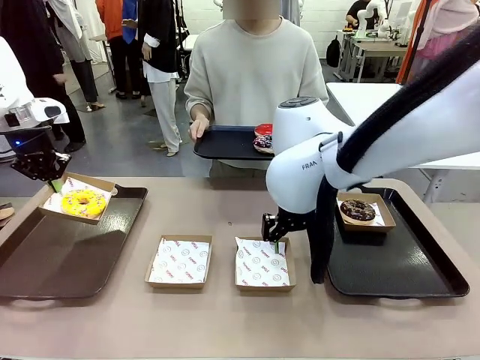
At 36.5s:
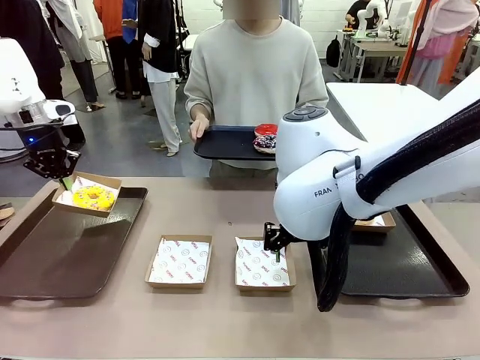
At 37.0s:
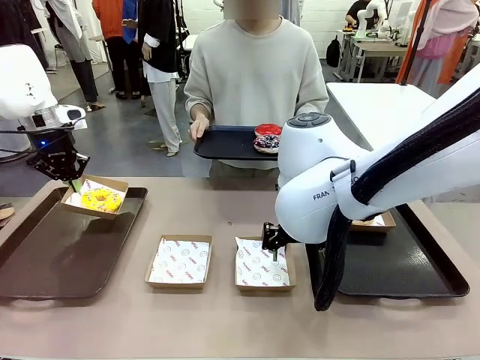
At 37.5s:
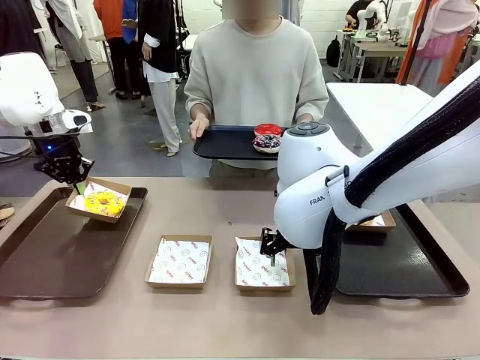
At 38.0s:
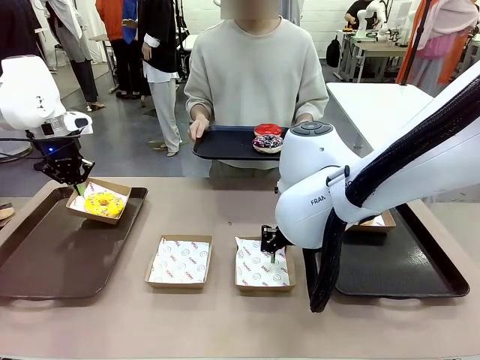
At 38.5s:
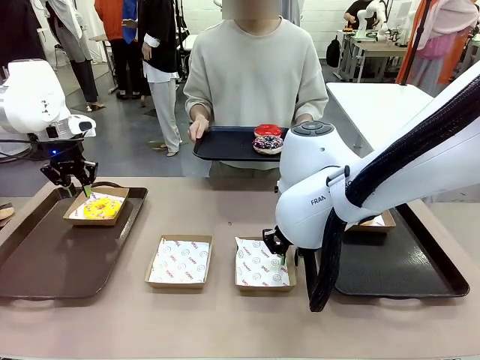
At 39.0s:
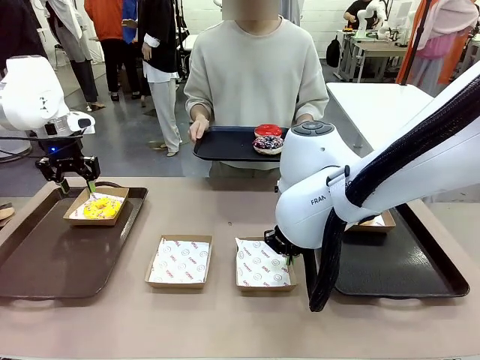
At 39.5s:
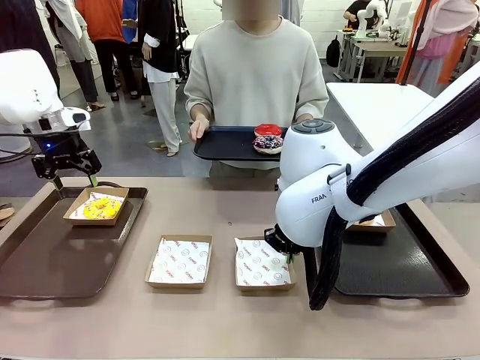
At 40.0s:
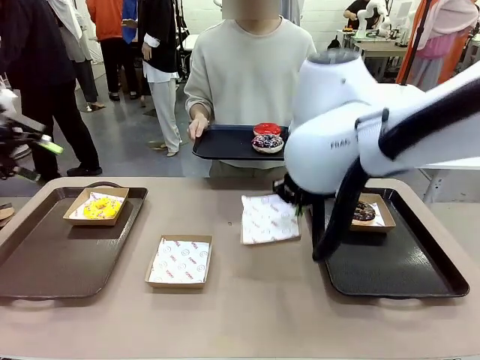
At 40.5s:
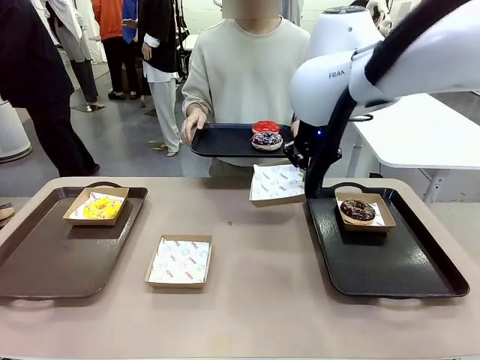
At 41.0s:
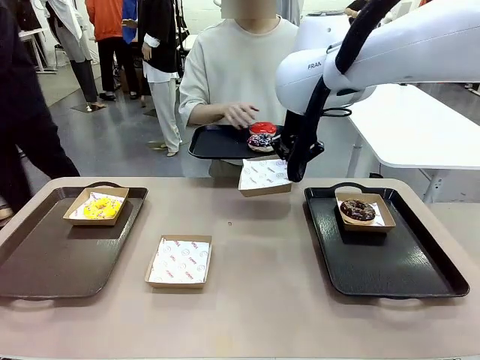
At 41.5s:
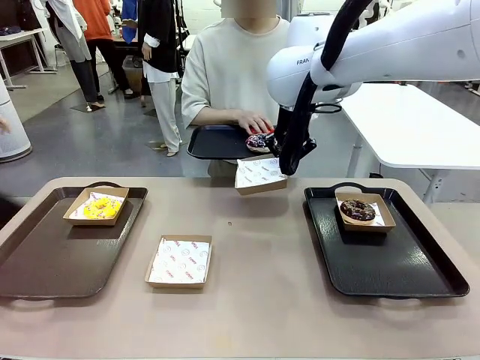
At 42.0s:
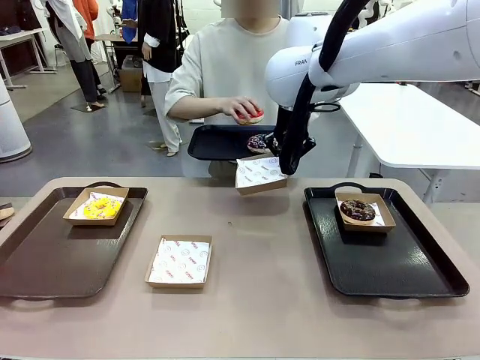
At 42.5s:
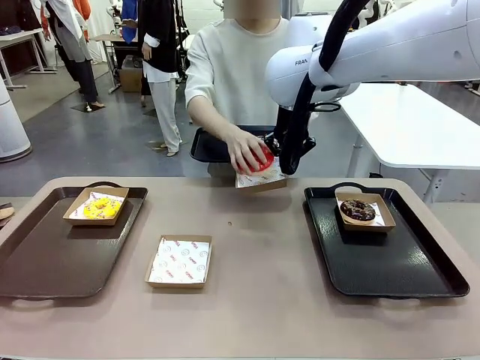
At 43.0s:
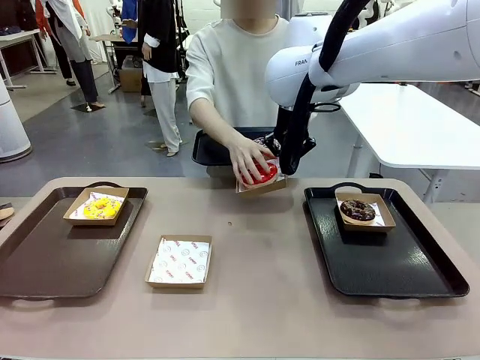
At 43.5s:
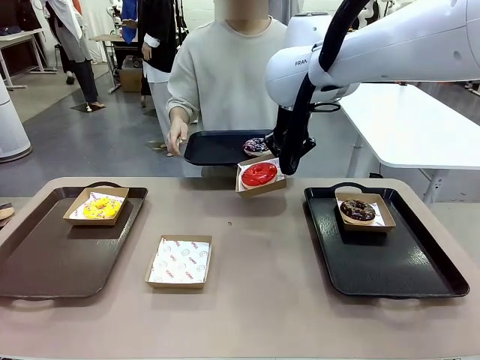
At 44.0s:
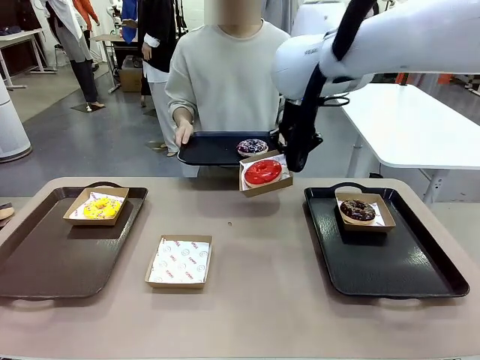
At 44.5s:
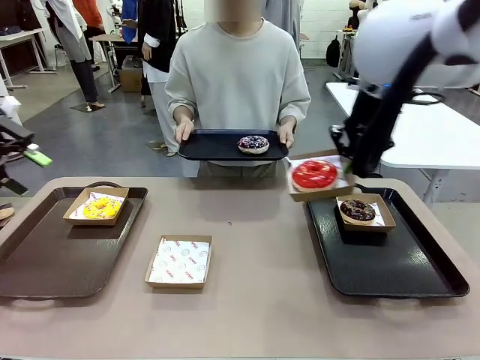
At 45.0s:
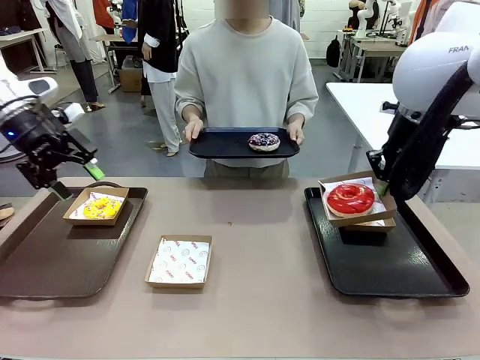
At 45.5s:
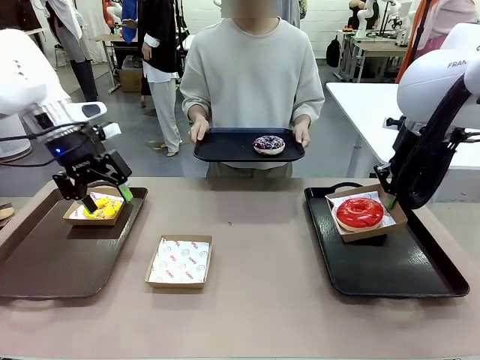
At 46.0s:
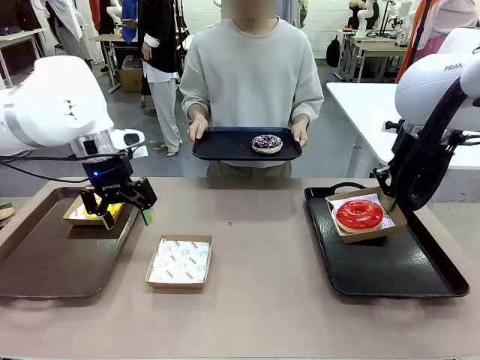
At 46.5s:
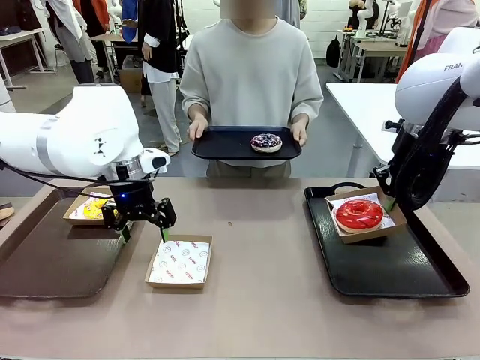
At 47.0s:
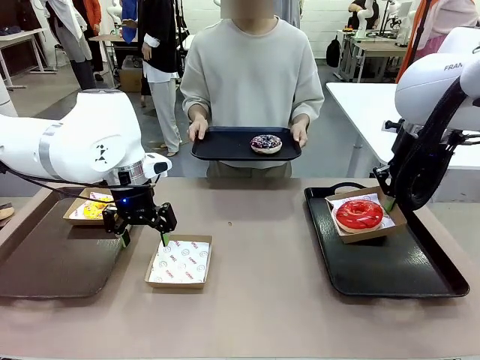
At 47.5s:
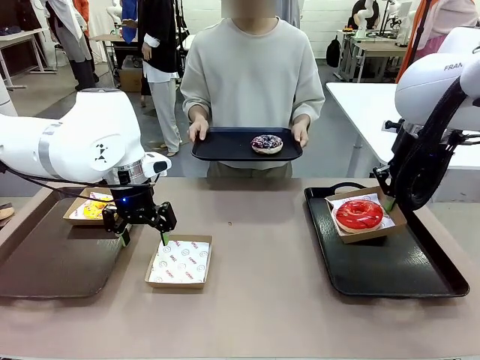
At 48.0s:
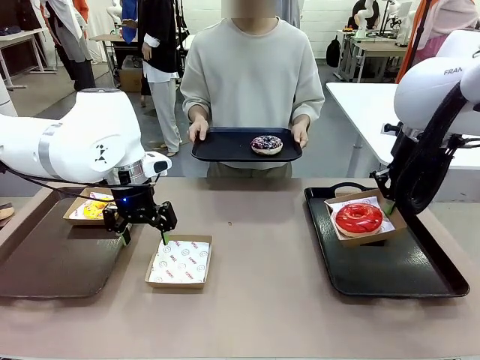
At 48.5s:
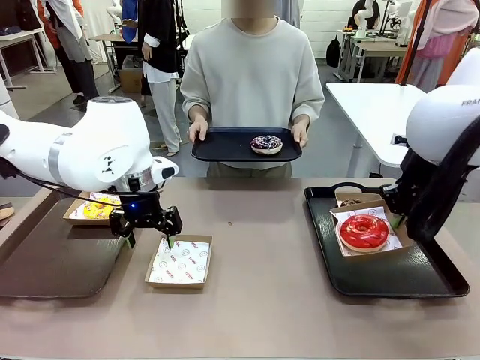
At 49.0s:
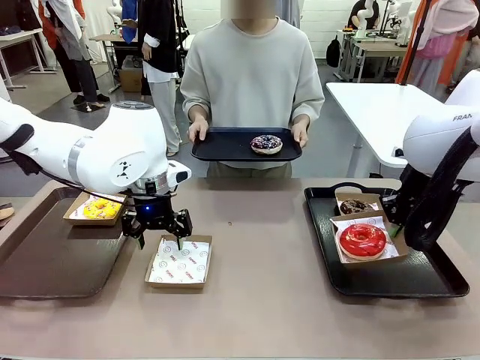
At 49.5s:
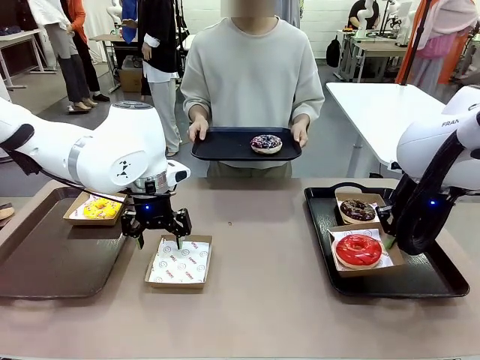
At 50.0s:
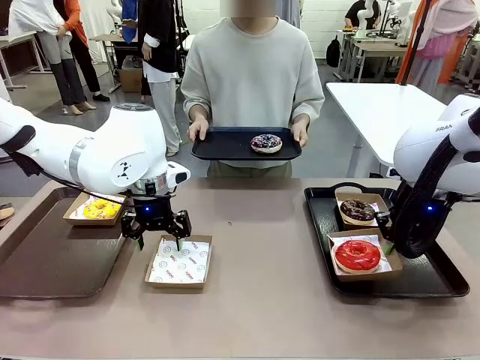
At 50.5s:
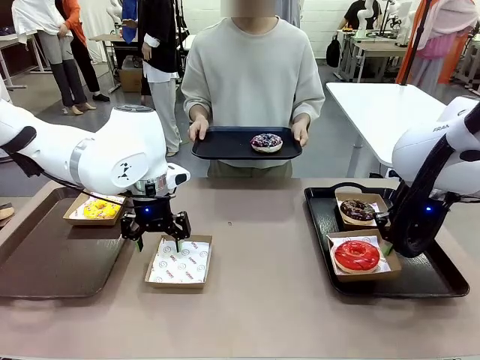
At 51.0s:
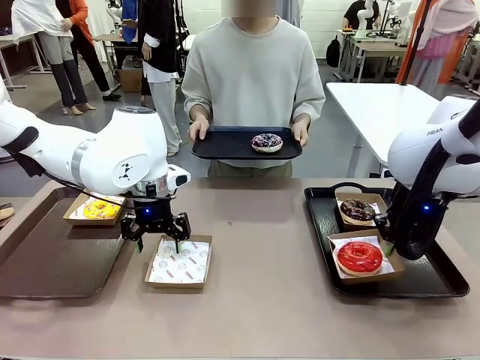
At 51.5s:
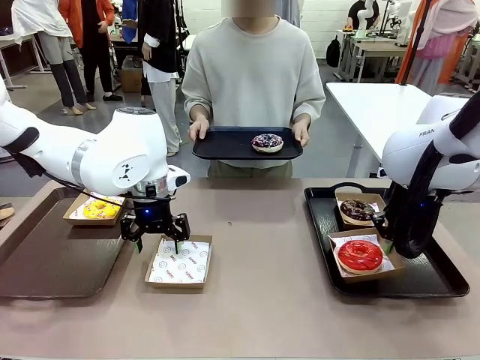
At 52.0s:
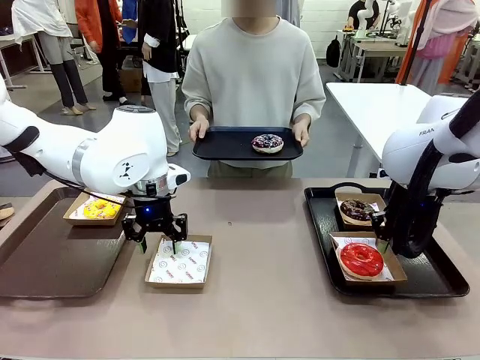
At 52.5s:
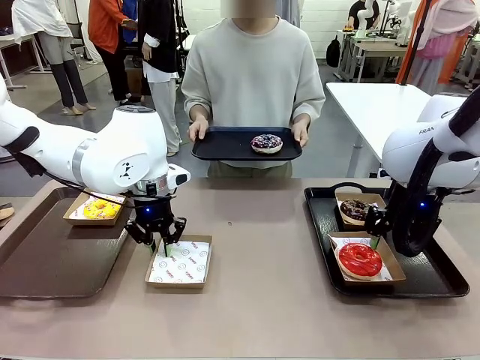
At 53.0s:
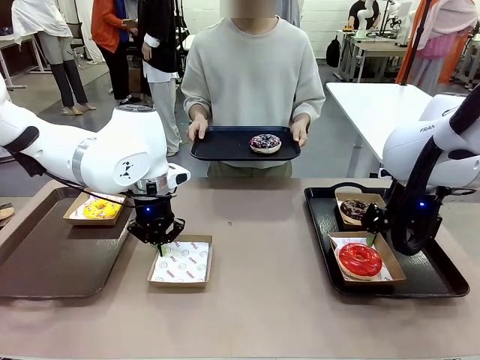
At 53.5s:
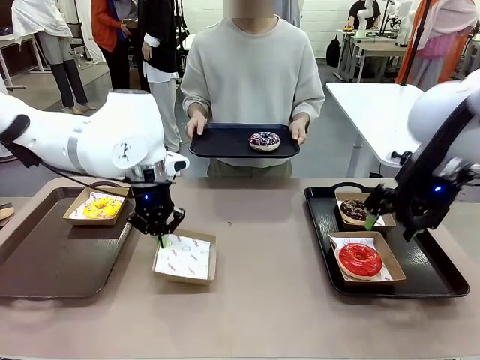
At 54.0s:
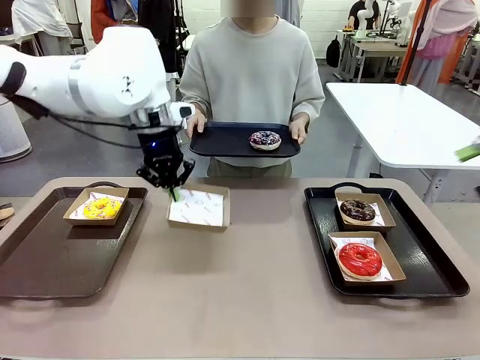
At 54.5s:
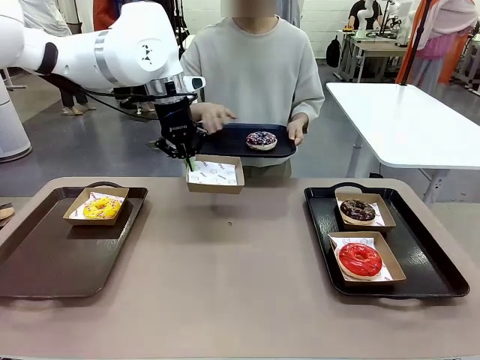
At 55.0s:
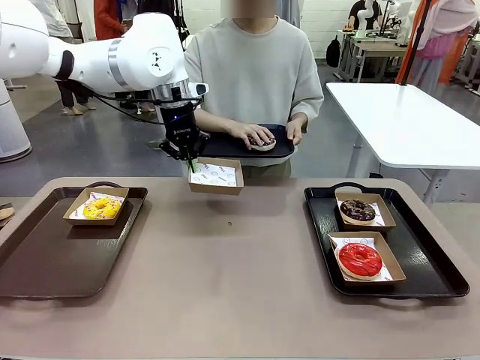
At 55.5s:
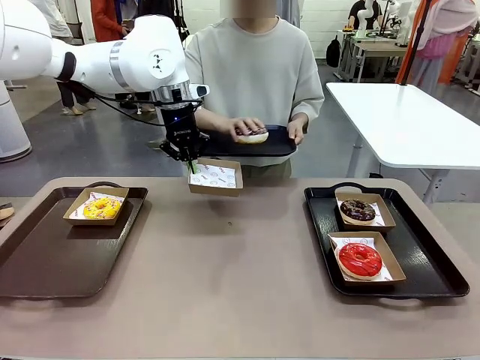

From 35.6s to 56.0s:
Task: Individually package the donuts and arrange them on the tray.
Robot: Place the picked Paper togo box on the Handle tray while simultaneously picking up another Paper togo box from the table with the other hand.

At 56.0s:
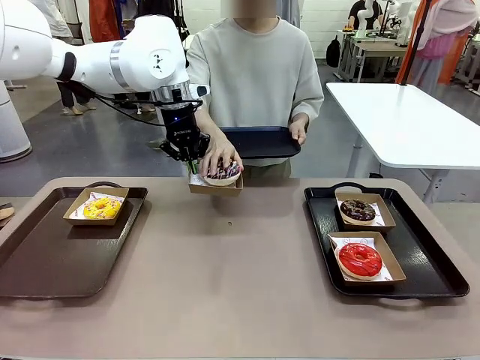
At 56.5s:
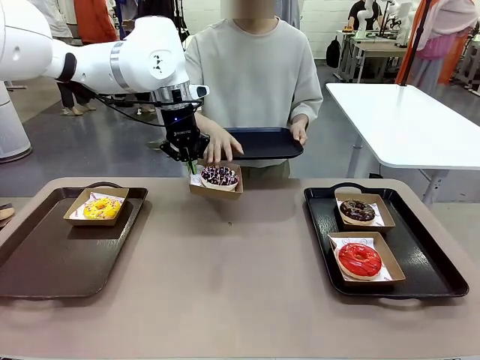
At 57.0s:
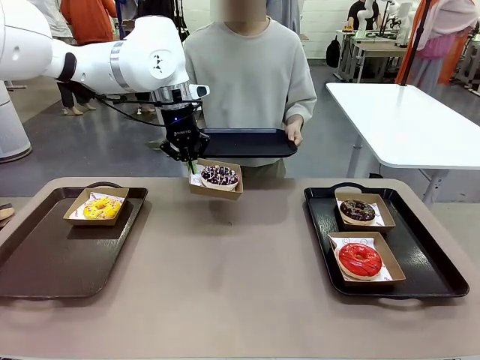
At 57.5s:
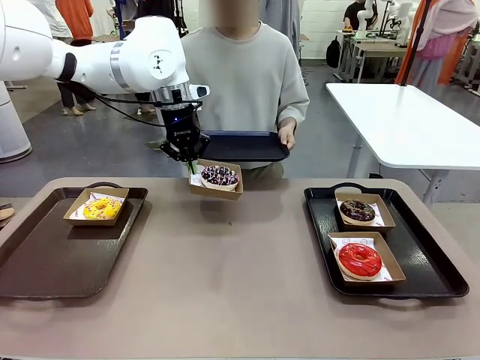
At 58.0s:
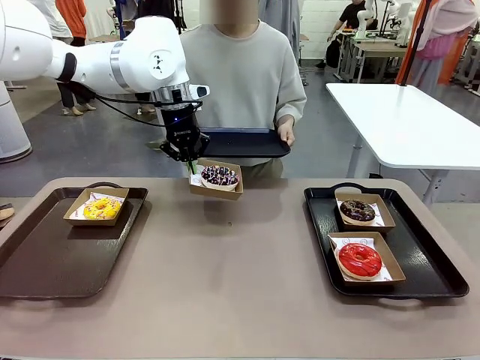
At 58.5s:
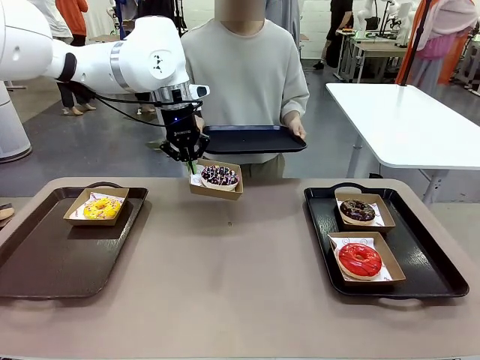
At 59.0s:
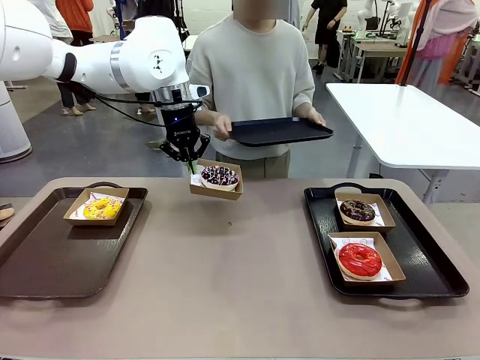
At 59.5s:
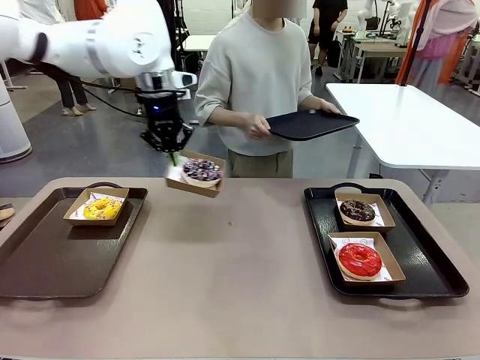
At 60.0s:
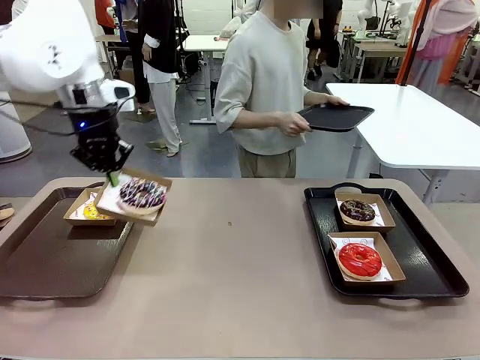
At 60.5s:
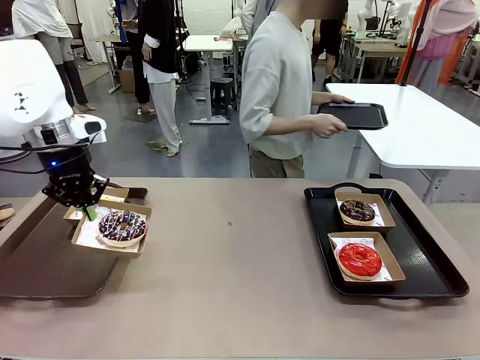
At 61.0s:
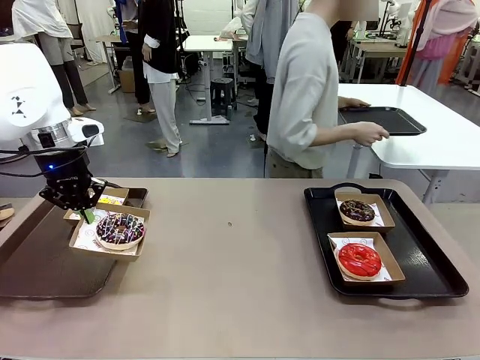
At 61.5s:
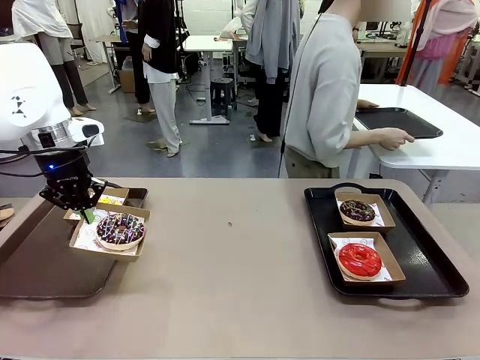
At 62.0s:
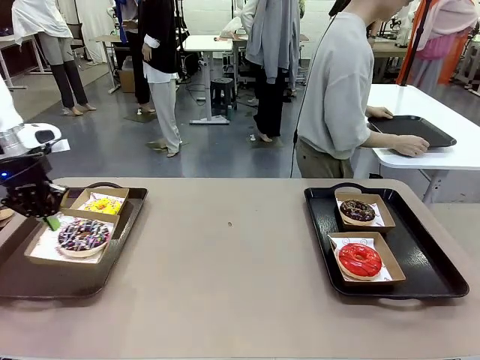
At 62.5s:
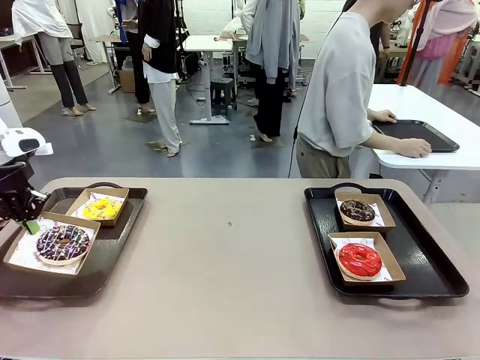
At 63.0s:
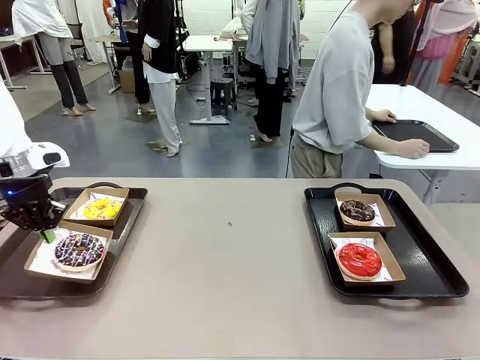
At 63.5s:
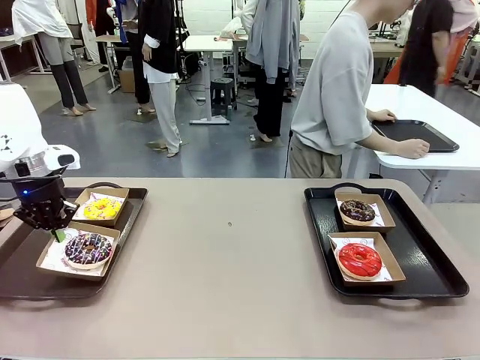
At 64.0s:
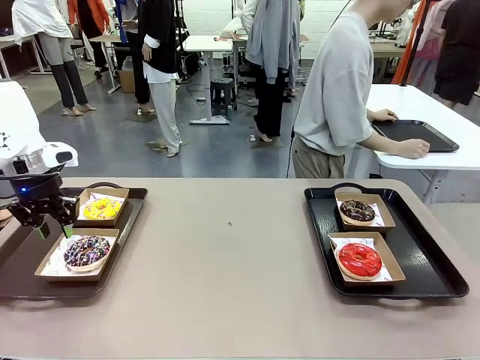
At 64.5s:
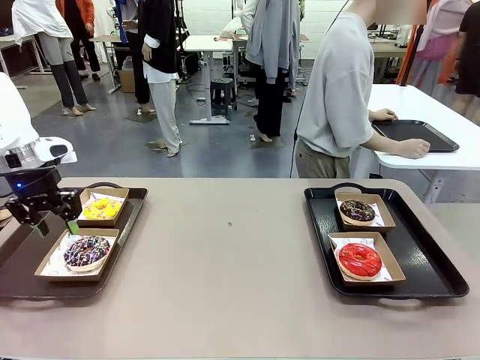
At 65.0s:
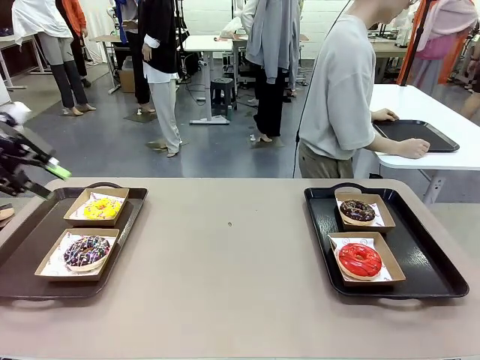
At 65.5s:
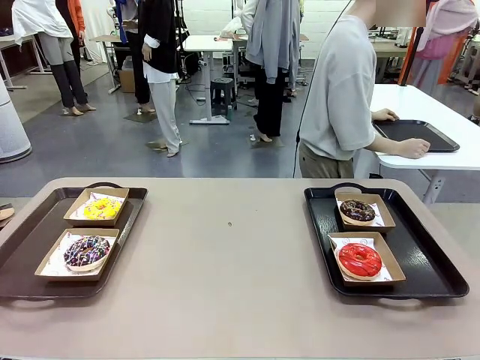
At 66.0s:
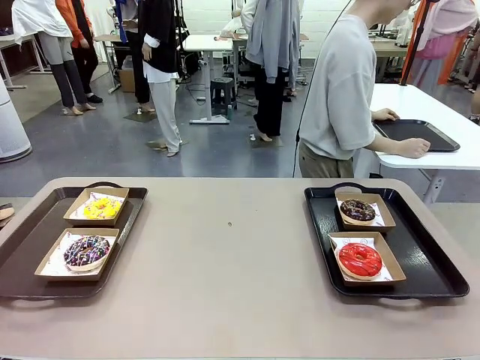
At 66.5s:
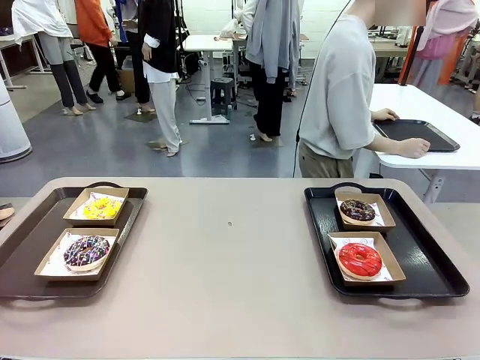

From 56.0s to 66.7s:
Robot: Place the picked Paper togo box on the Handle tray.
Person: Place the tray down in the middle of the human table.
